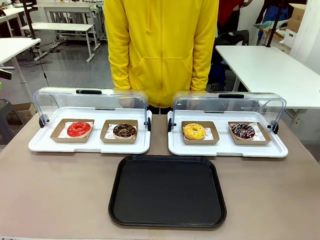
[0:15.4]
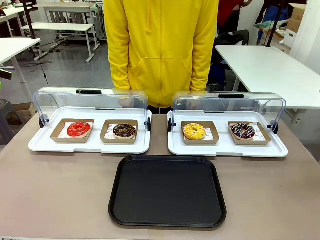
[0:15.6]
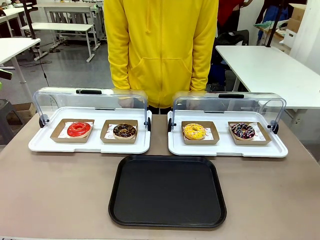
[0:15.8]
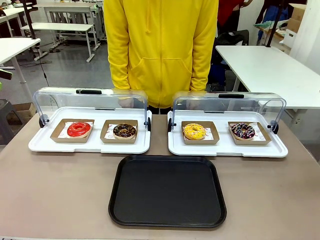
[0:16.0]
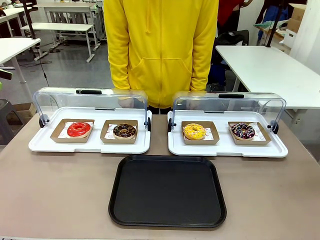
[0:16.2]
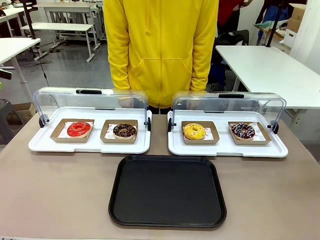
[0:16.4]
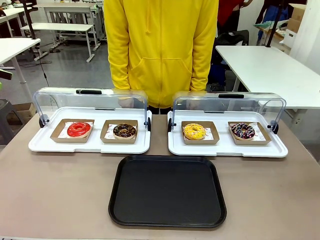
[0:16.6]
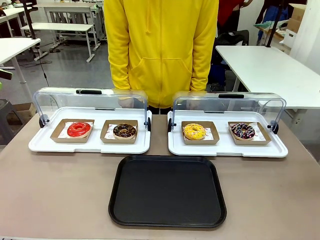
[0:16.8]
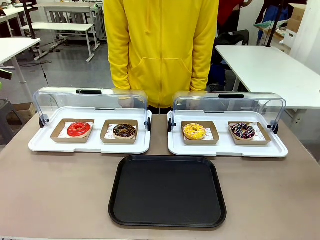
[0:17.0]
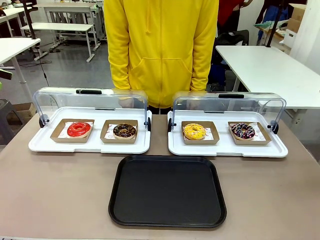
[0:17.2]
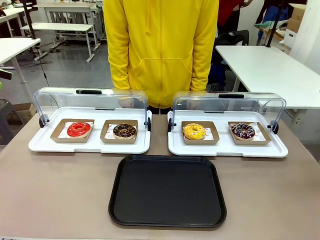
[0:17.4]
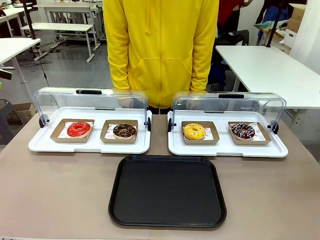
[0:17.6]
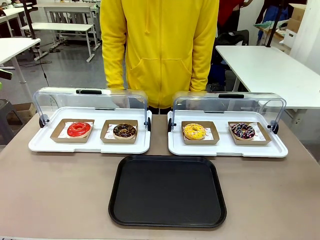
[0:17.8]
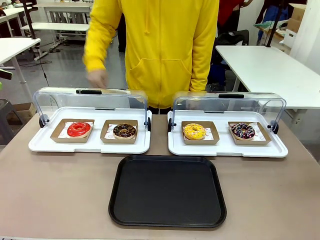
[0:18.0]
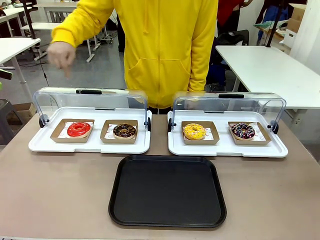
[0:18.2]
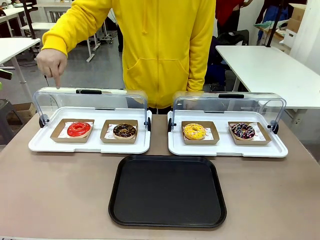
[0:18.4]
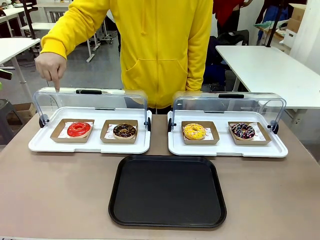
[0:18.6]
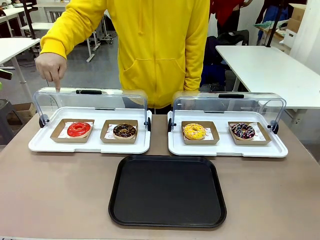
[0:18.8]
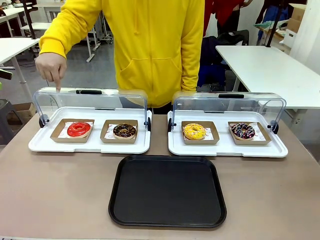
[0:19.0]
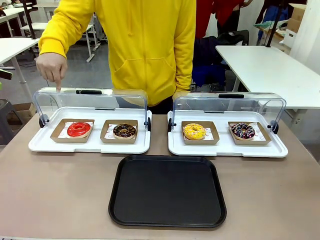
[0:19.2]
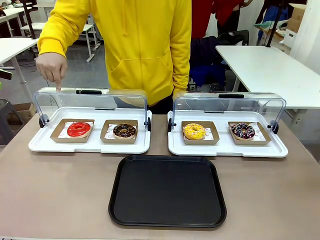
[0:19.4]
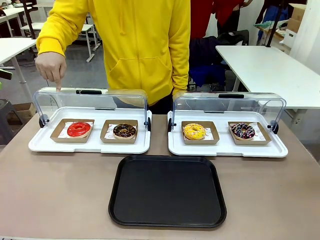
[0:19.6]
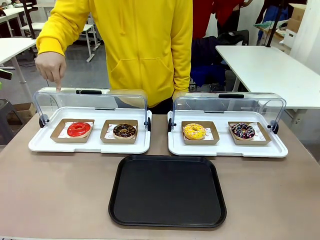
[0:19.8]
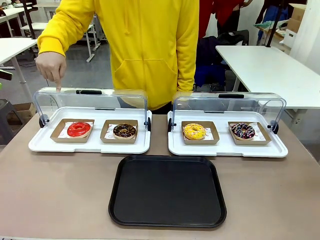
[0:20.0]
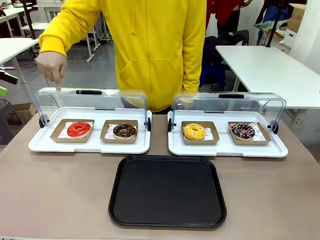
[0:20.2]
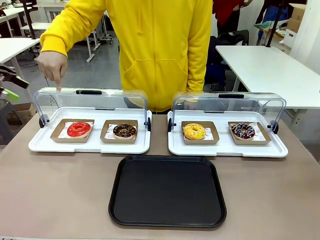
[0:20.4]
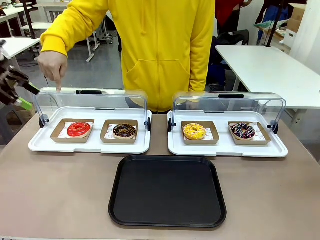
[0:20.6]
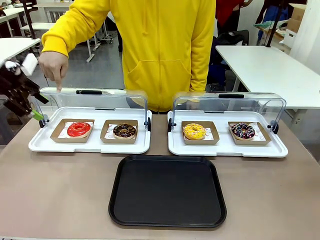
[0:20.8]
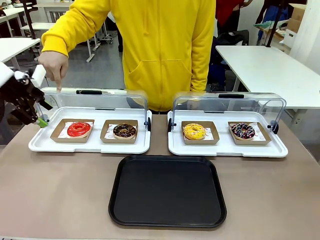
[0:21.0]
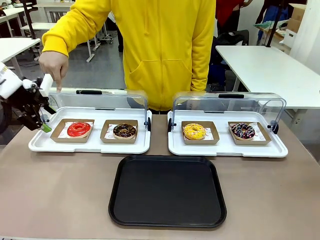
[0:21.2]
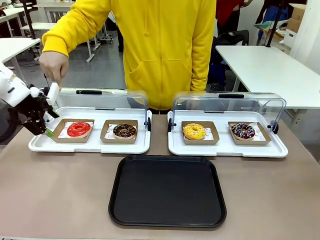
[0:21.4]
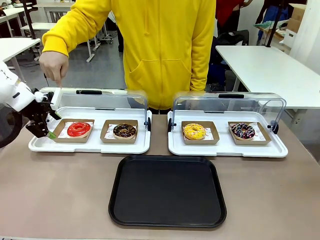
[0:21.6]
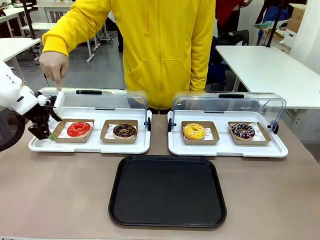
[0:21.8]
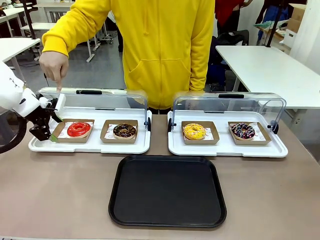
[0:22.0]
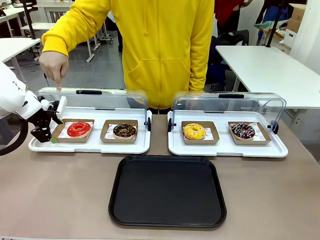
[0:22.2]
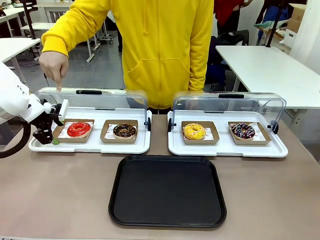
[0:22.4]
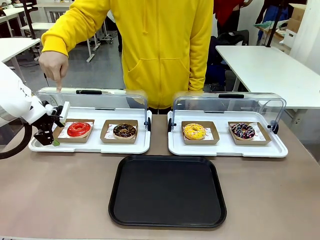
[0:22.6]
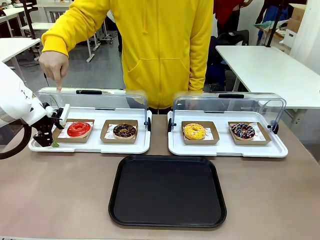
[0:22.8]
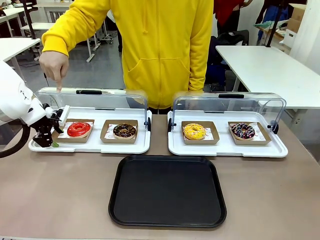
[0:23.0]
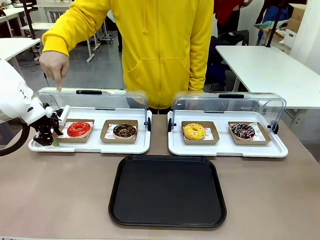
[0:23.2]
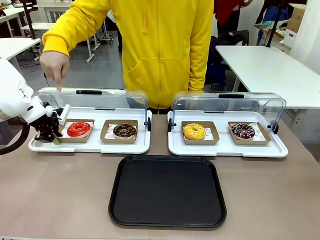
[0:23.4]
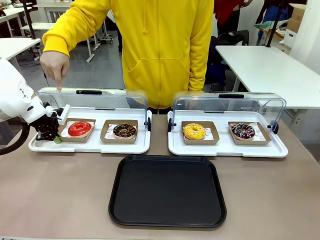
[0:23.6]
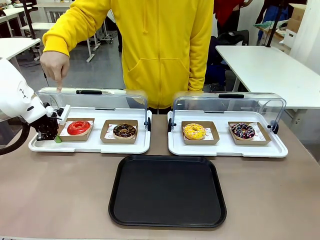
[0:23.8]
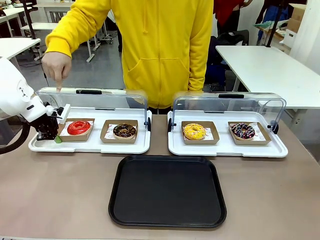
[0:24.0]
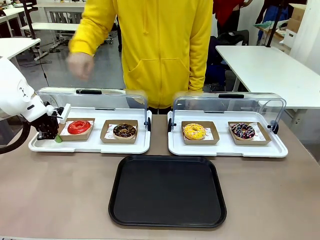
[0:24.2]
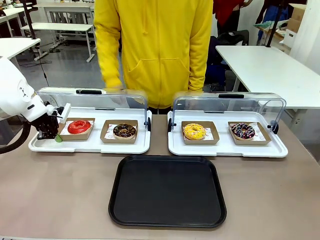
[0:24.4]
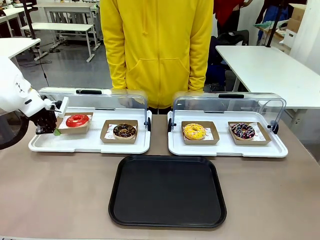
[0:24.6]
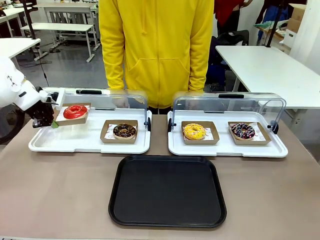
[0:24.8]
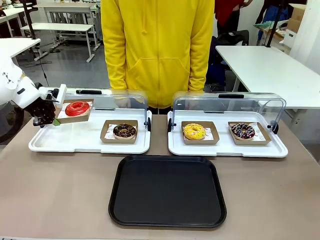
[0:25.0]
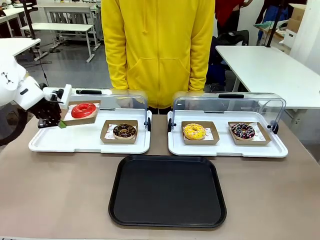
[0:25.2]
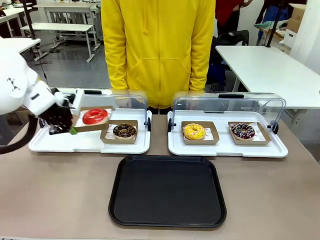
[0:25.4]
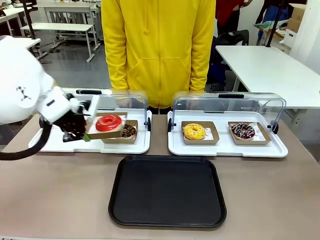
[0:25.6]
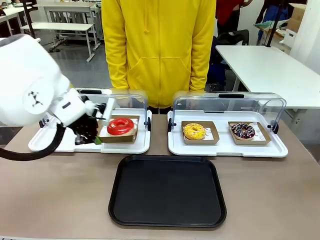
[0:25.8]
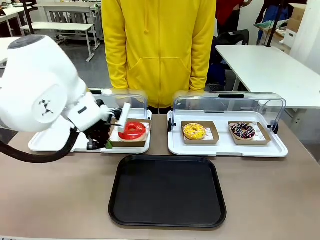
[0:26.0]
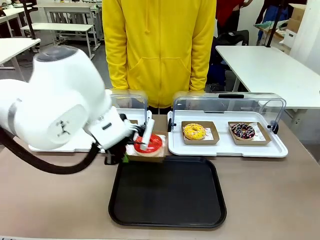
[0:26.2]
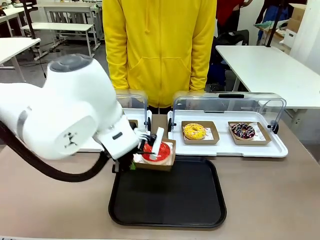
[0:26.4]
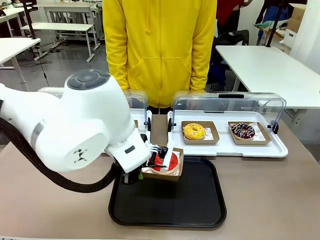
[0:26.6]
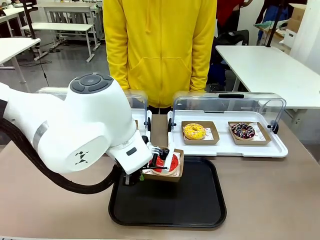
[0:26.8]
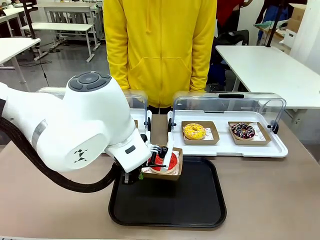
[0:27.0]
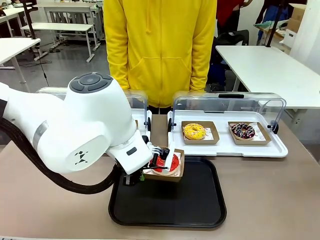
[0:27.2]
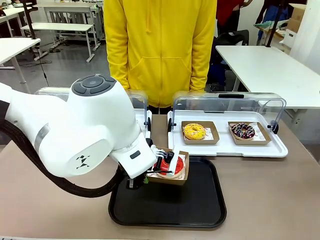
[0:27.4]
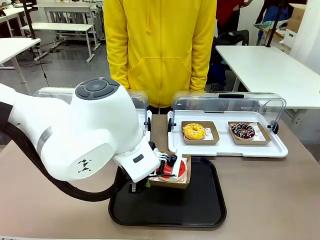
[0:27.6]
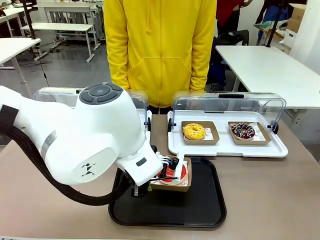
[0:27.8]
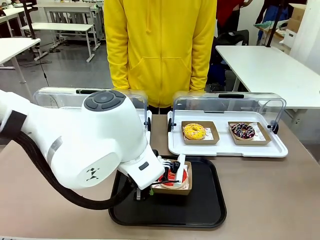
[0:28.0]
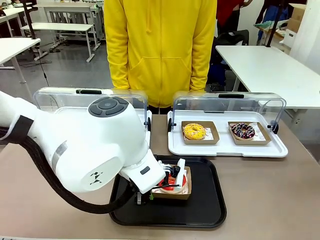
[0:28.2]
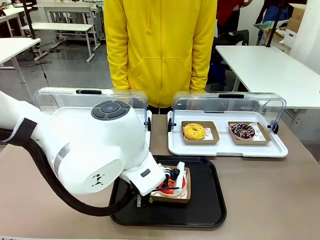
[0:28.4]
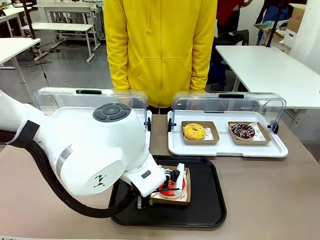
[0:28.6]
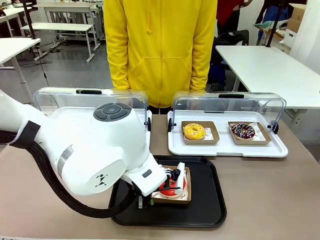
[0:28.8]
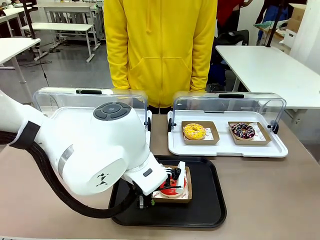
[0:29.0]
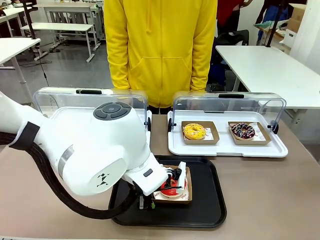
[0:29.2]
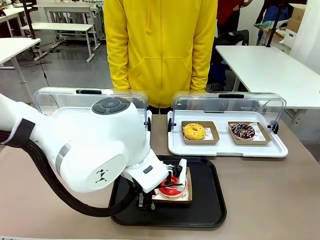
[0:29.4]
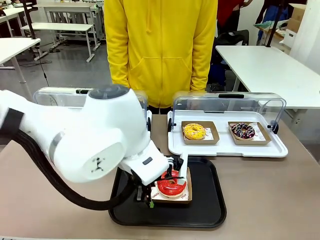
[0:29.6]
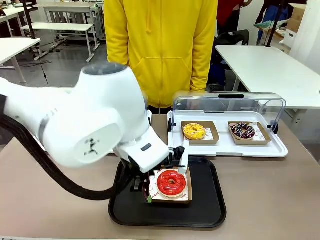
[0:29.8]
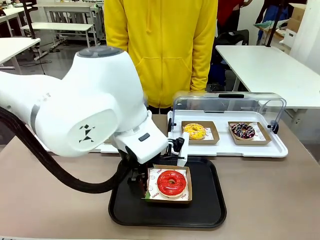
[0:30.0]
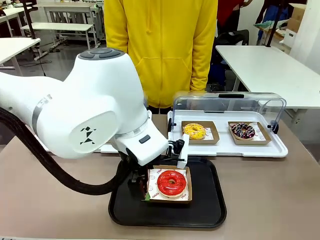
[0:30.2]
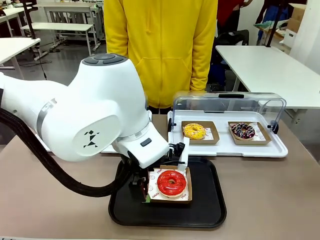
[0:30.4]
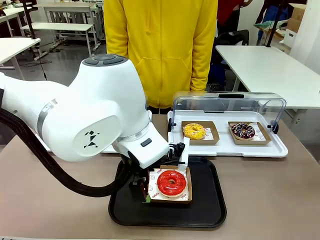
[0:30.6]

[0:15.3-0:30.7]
Task: Move the first donut from the left to the tray.
Robot: Pick up the Paper togo box containing the Donut indicated by the person and place it on the Handle tray.
Person: Points to the first donut from the left from the robot’s perspective.
